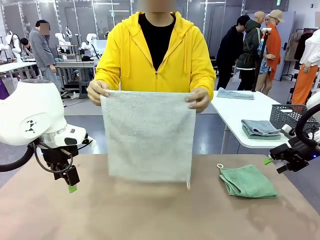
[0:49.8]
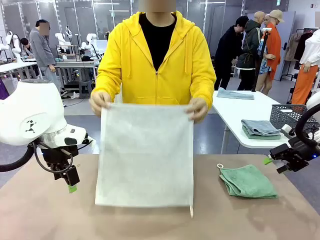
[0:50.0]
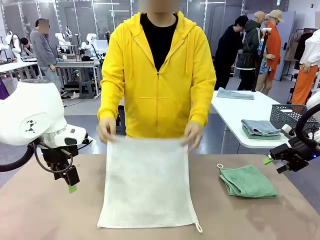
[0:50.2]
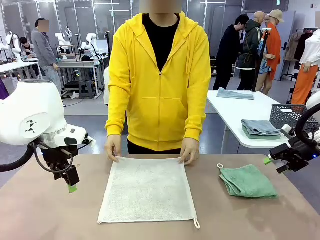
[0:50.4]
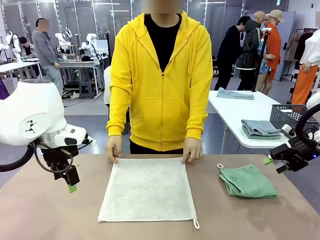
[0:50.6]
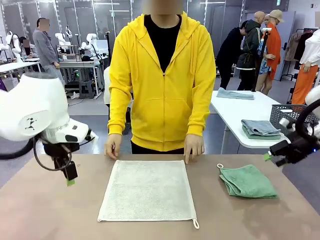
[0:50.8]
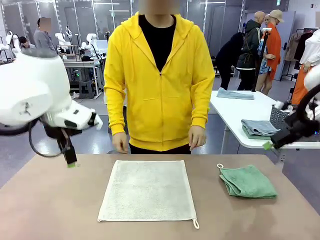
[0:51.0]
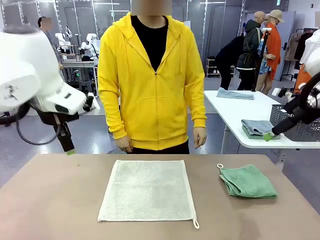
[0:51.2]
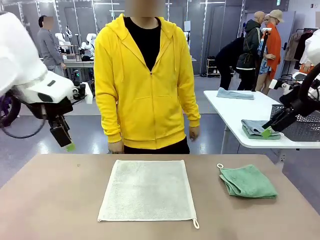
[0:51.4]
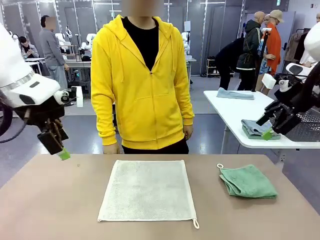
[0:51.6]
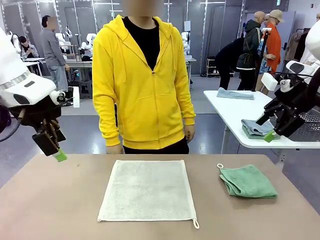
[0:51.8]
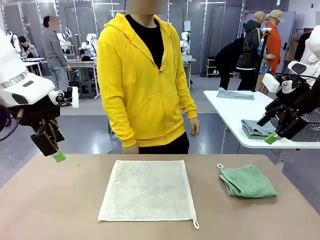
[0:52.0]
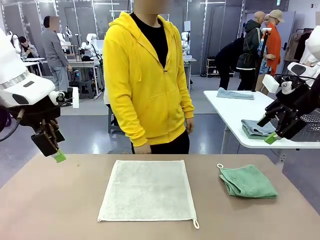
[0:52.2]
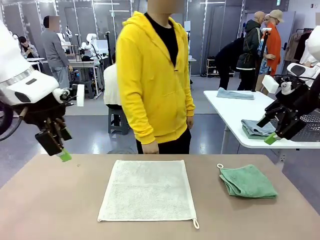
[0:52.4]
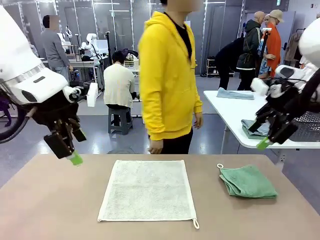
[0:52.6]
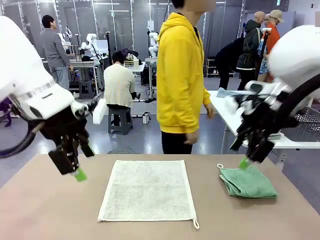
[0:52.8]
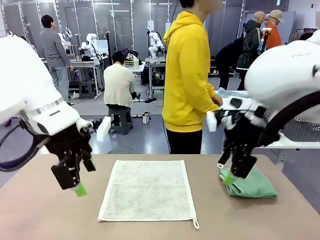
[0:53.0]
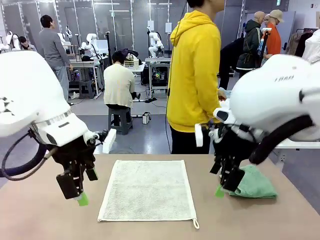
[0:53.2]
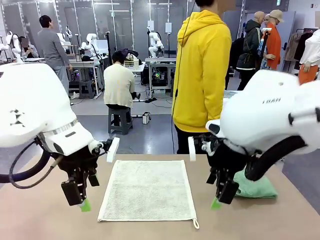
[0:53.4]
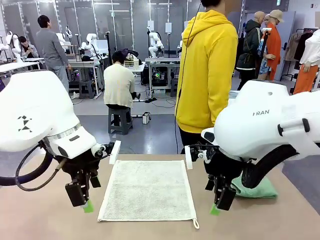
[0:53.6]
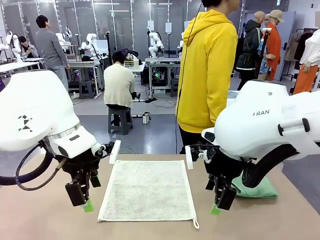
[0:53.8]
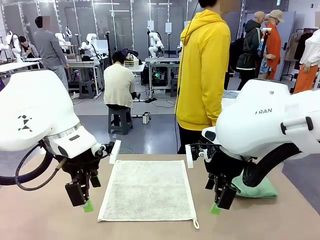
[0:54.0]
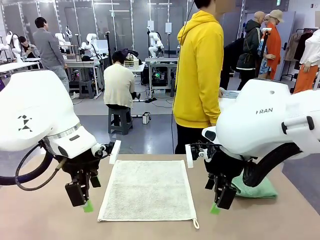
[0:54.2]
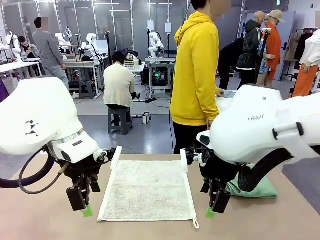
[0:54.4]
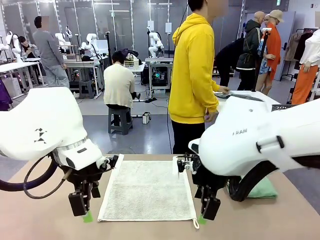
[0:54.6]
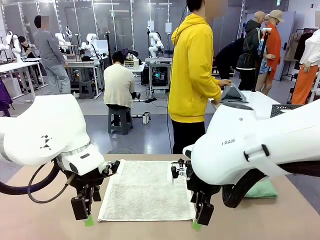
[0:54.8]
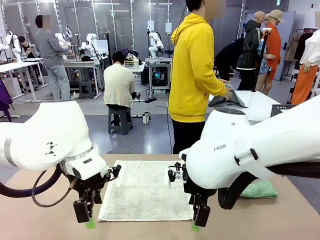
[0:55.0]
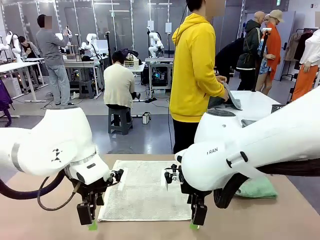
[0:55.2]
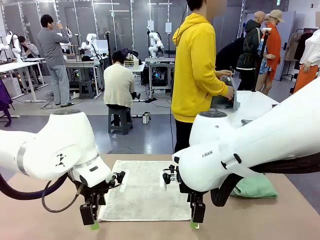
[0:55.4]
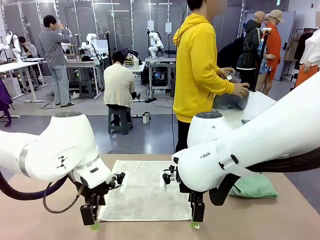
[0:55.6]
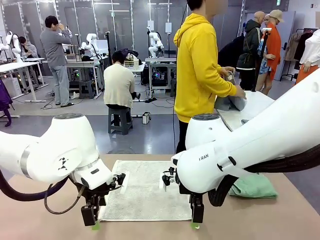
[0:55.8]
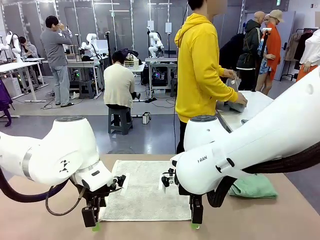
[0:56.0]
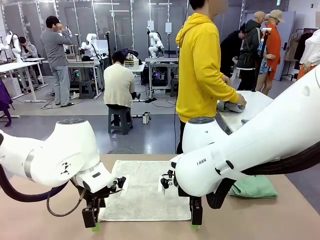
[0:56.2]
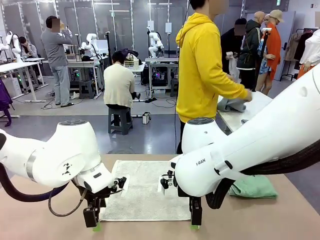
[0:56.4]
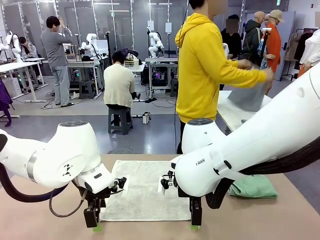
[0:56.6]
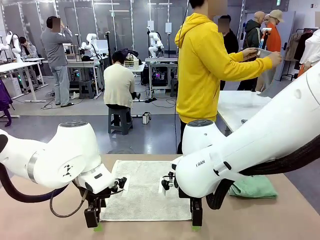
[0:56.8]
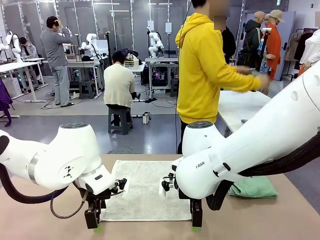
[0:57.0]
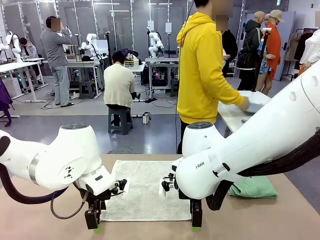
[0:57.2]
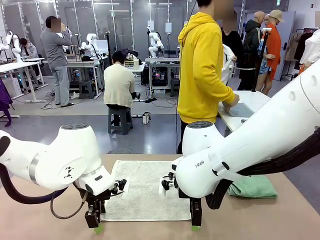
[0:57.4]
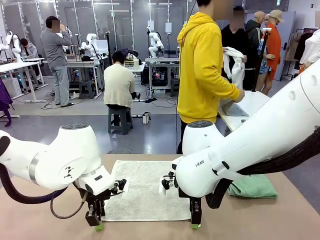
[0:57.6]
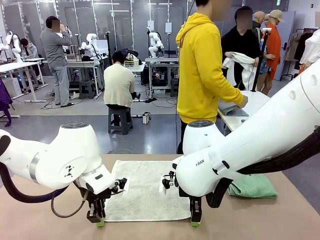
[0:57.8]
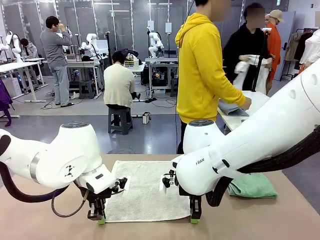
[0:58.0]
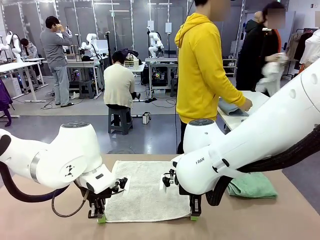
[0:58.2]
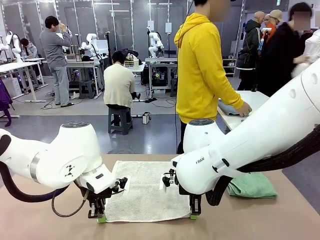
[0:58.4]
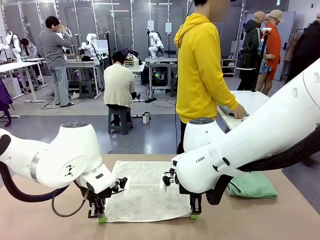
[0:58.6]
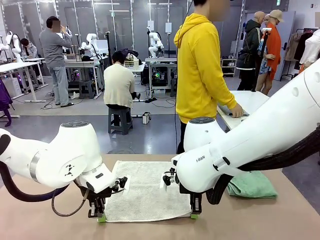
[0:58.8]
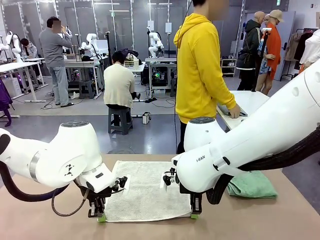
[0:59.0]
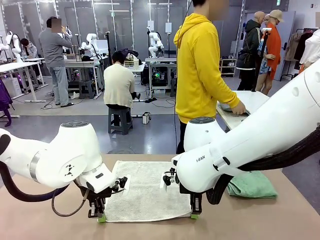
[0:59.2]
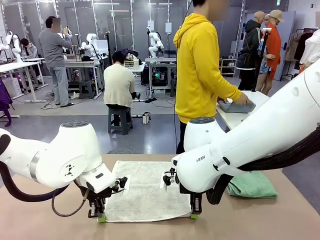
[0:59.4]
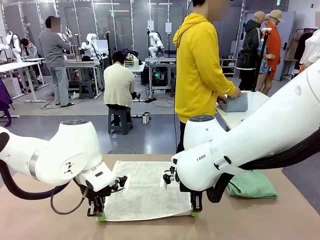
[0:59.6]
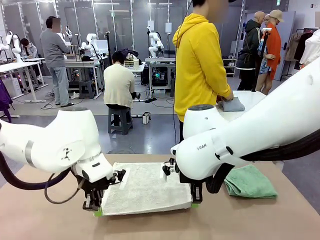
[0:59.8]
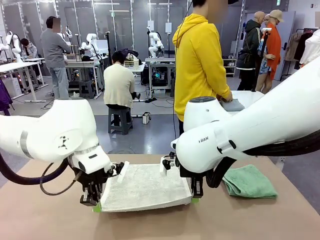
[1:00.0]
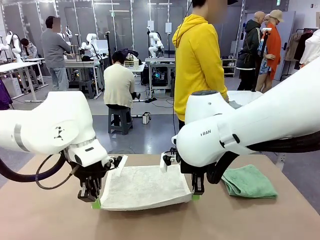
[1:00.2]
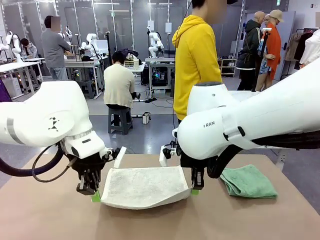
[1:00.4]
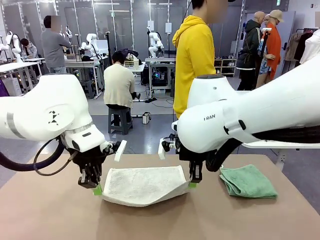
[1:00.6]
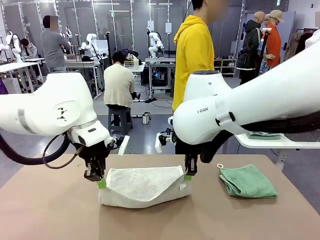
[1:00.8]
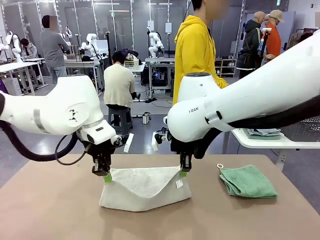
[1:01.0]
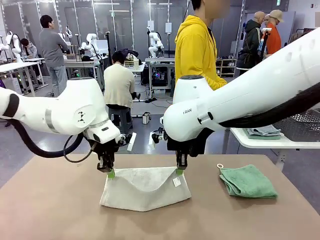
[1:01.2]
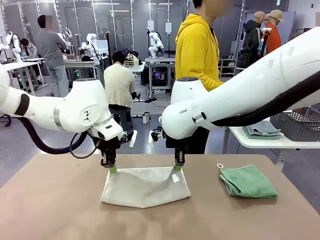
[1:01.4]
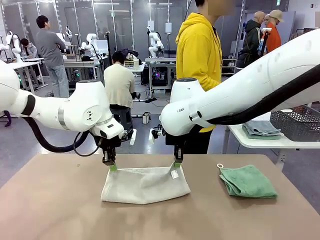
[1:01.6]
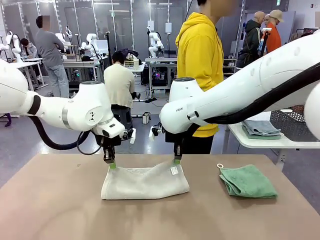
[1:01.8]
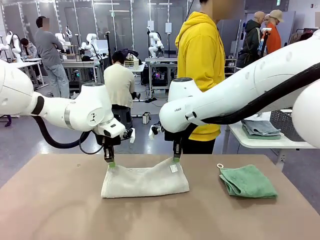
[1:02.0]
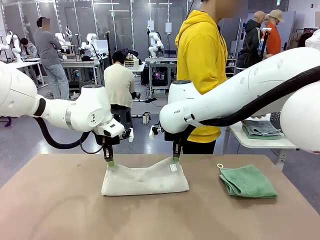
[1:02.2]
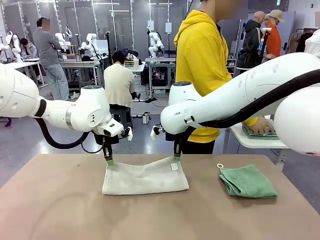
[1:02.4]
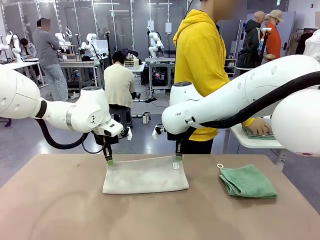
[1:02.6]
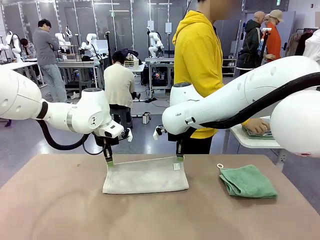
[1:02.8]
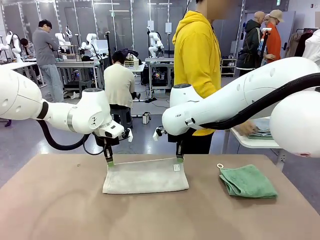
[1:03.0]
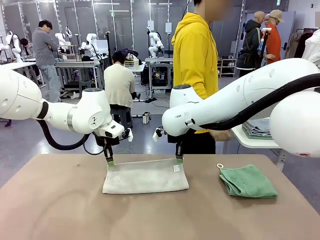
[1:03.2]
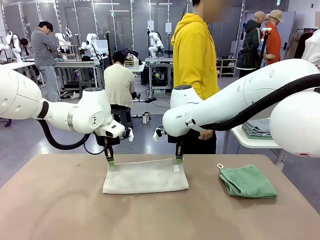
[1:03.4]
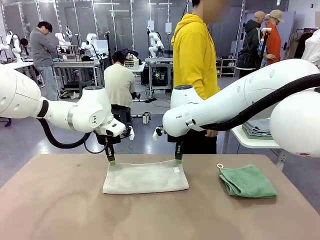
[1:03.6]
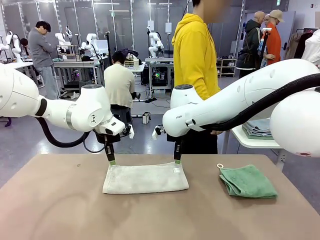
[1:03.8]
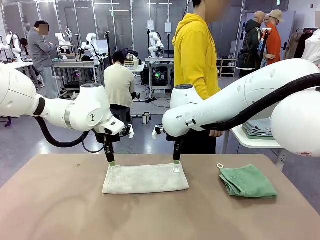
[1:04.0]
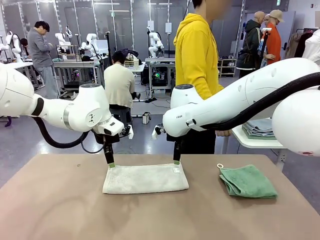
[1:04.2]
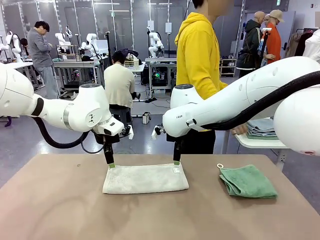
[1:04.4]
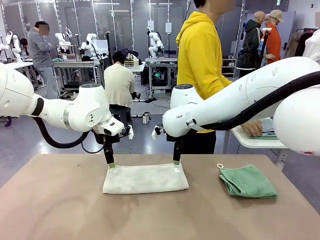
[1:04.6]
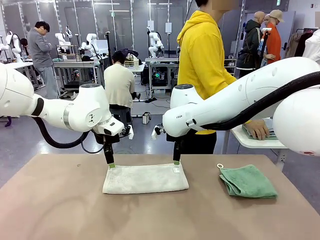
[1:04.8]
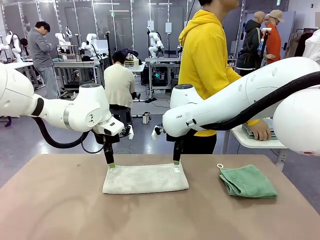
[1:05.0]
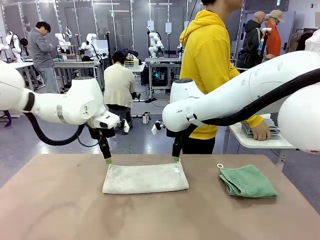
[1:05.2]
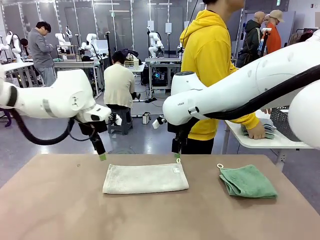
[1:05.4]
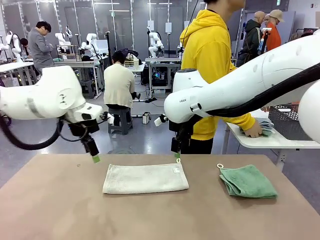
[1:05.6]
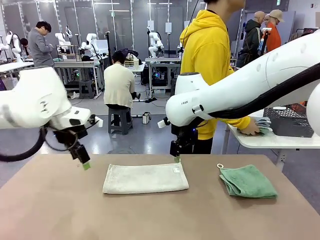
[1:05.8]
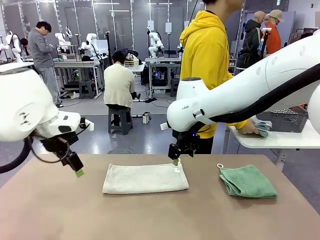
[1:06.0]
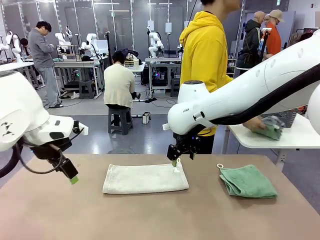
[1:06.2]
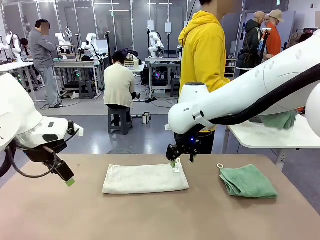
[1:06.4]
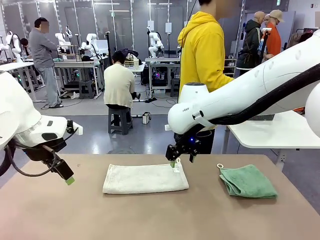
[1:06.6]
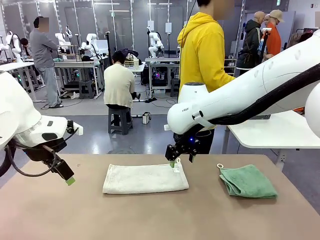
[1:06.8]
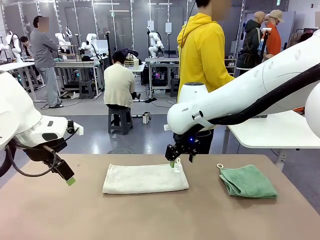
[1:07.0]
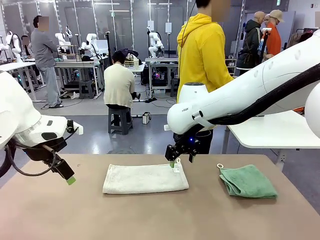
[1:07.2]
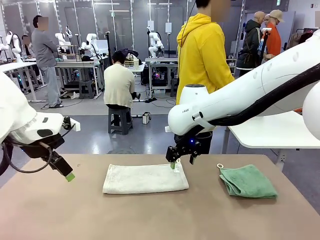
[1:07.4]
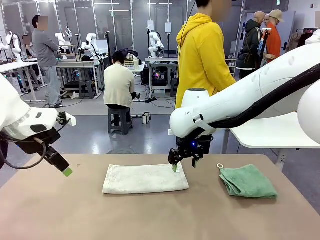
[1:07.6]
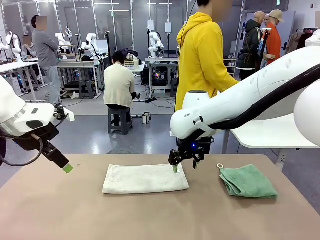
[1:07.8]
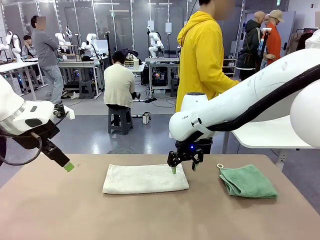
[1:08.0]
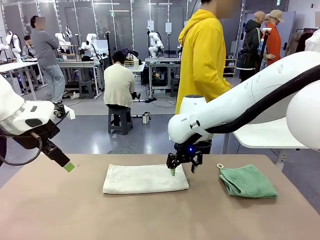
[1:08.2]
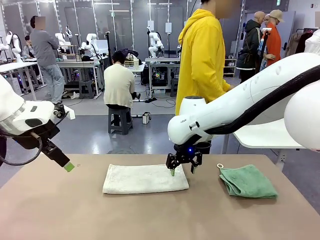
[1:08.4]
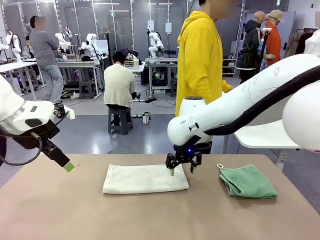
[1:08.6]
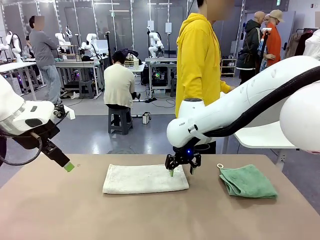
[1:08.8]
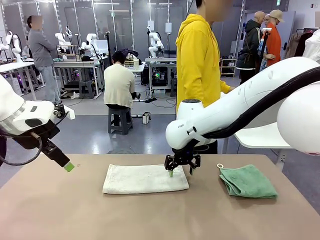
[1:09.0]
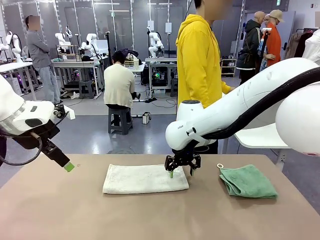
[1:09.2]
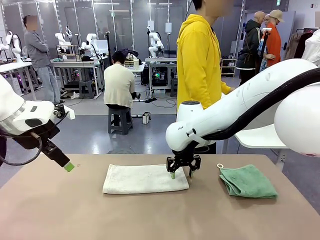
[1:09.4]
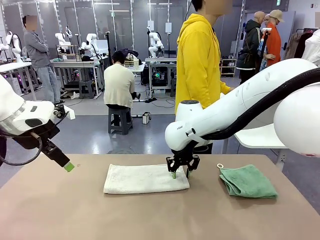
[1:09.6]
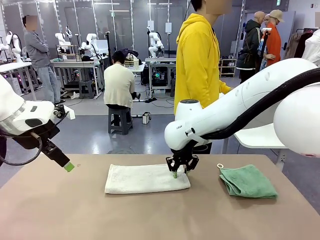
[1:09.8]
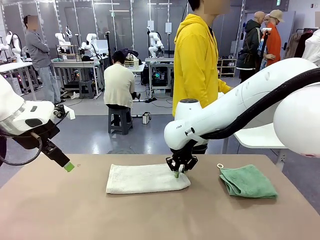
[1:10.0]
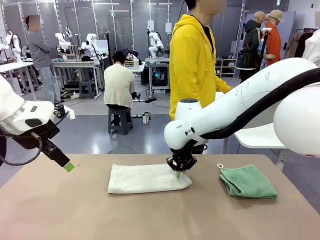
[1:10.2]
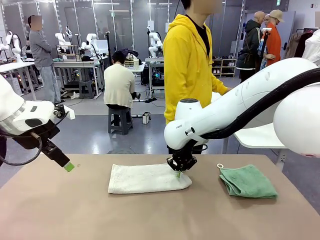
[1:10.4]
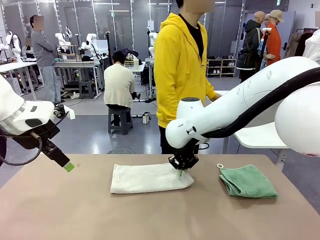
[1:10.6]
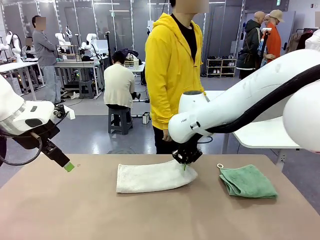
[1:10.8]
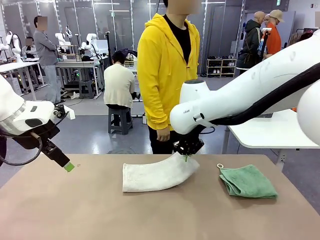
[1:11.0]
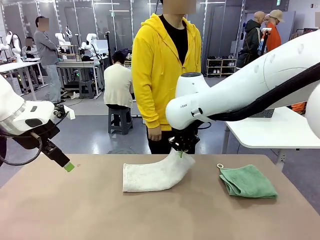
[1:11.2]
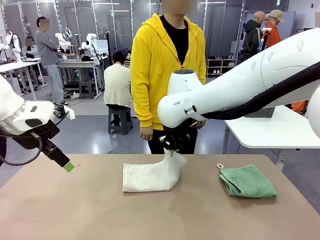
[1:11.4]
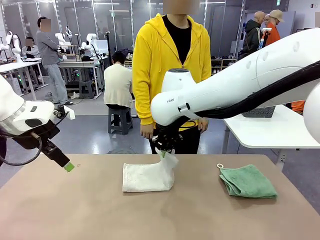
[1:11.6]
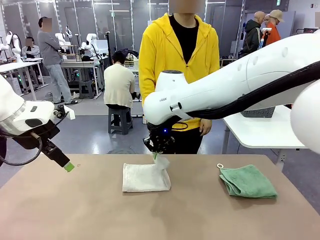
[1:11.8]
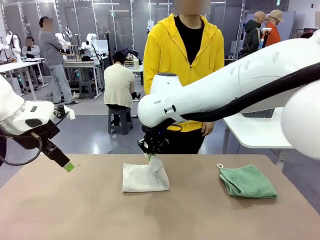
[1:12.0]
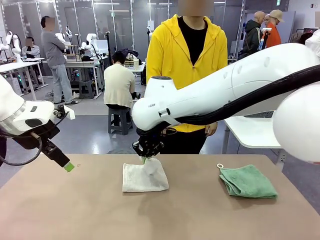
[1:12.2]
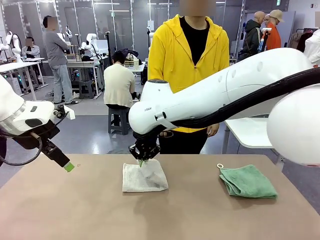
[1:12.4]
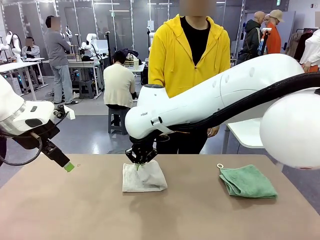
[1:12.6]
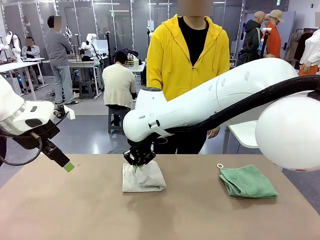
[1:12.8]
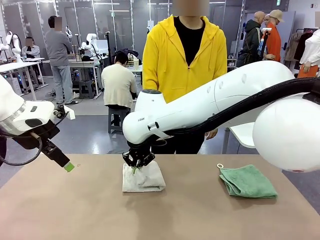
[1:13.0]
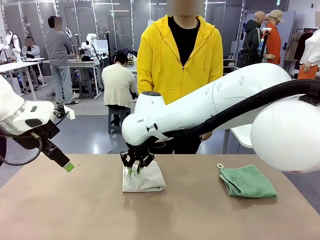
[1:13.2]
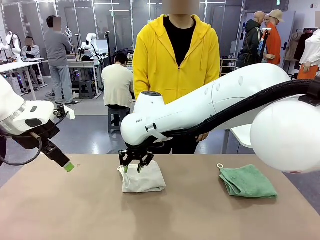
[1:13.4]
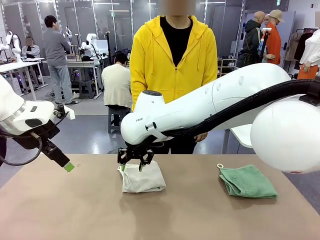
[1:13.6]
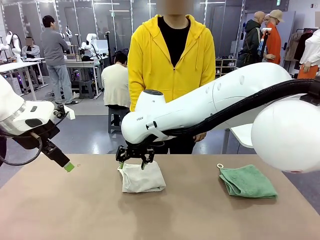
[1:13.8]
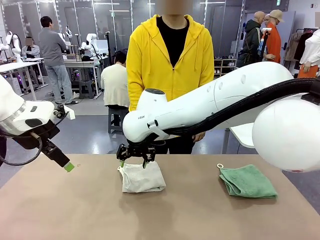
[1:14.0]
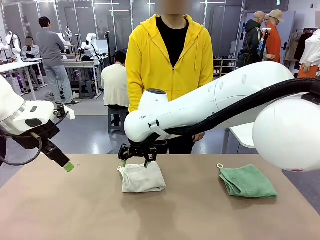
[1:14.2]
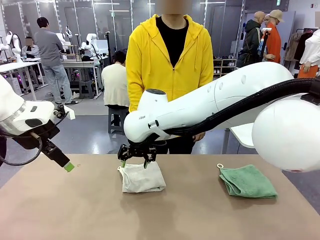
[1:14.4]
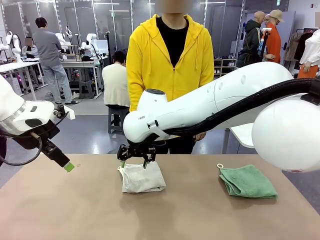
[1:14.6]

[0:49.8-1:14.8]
Task: Fold the towels and place them in the basket.
Robot: When a person lays out a Towel with hook on the table, fold it in half twice.
Person: Pick up one towel from the left side of the human table, fold it in half twice, and stack it on the right side of the table. Pick up the stack of towels from the right side of the human table, place it into the basket, and put the basket at the center of the table.
